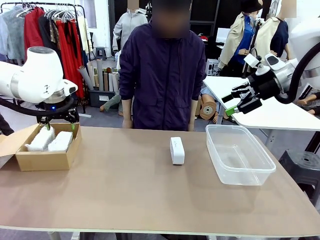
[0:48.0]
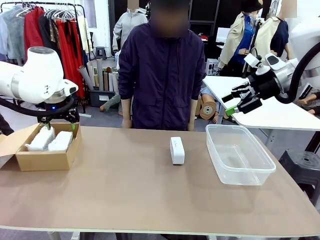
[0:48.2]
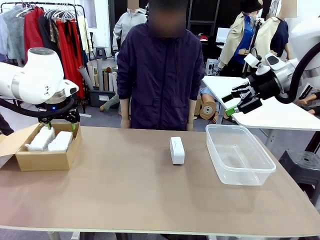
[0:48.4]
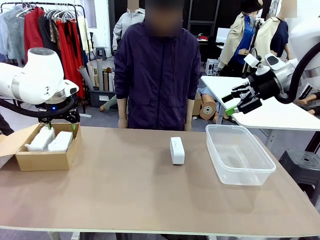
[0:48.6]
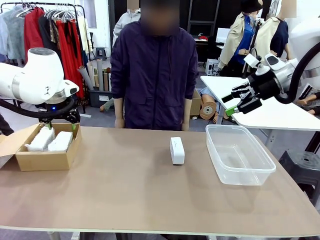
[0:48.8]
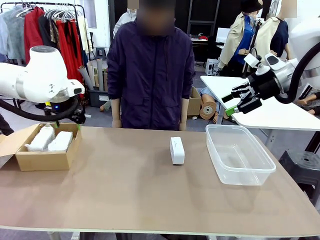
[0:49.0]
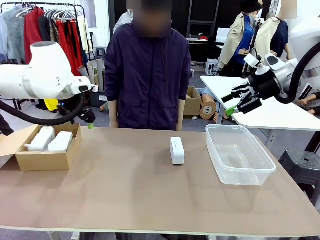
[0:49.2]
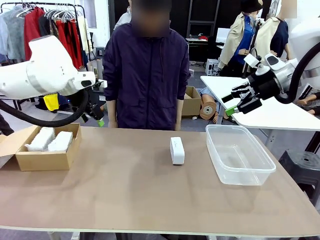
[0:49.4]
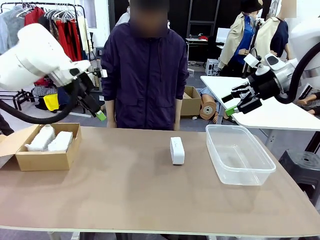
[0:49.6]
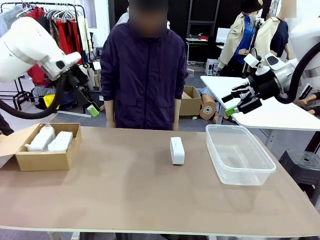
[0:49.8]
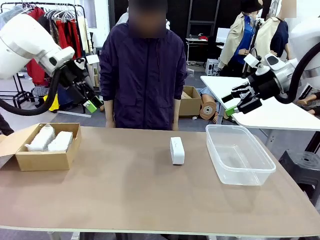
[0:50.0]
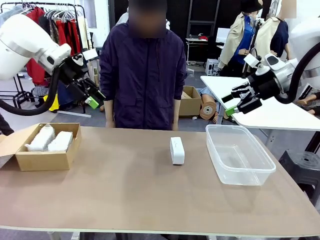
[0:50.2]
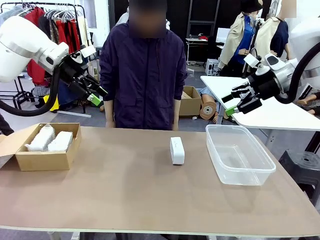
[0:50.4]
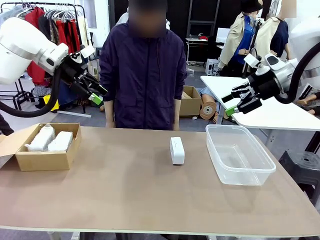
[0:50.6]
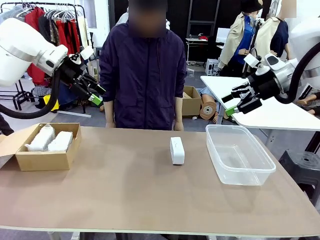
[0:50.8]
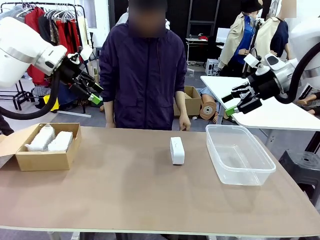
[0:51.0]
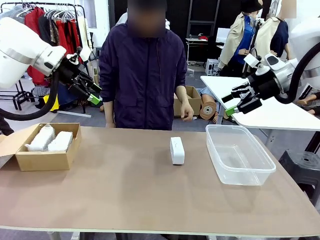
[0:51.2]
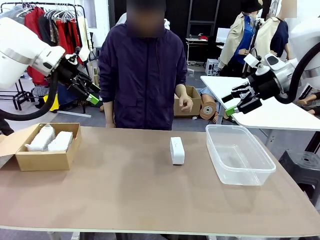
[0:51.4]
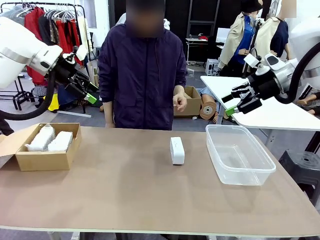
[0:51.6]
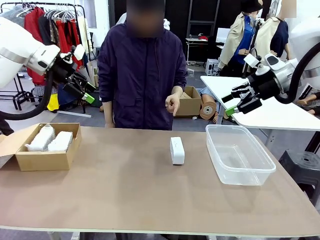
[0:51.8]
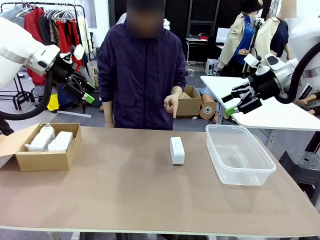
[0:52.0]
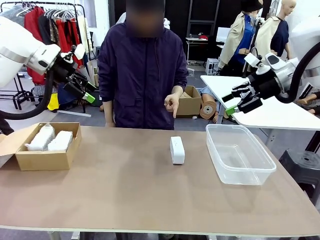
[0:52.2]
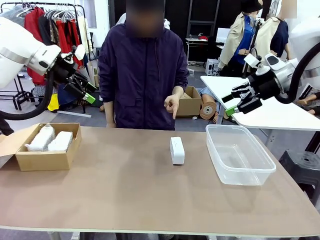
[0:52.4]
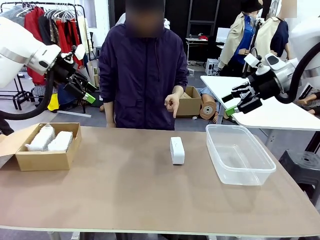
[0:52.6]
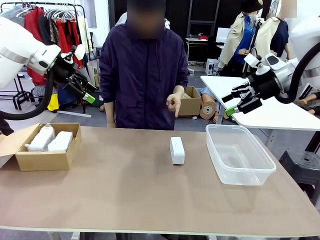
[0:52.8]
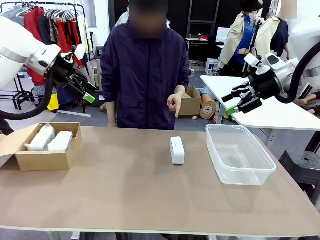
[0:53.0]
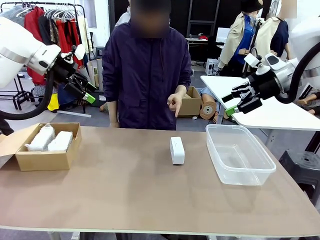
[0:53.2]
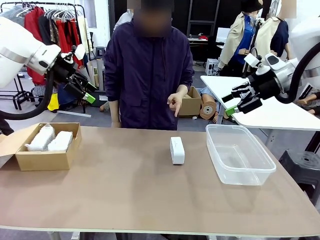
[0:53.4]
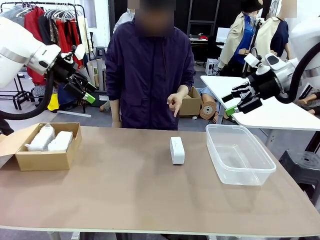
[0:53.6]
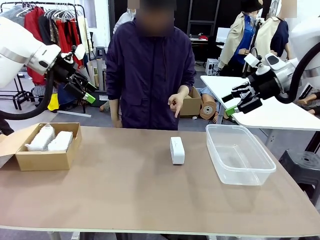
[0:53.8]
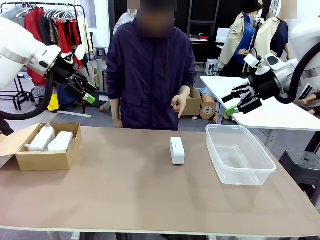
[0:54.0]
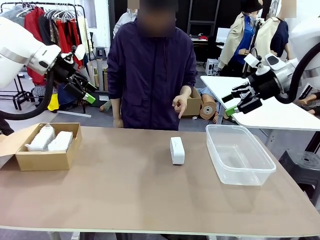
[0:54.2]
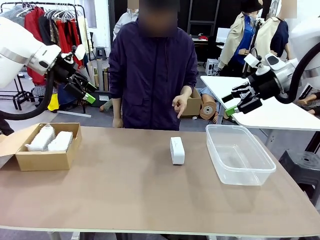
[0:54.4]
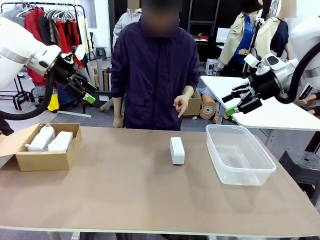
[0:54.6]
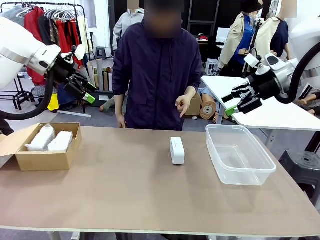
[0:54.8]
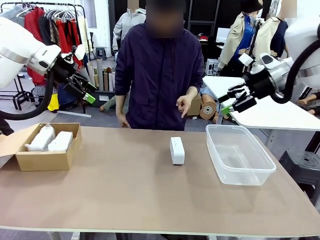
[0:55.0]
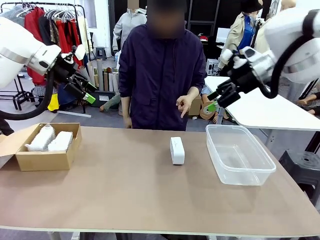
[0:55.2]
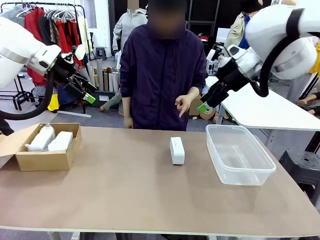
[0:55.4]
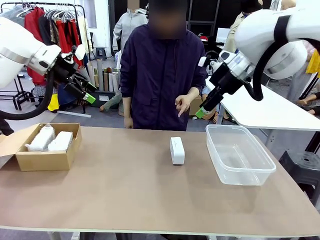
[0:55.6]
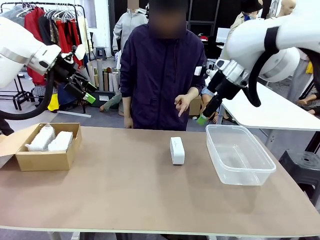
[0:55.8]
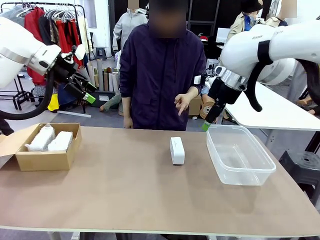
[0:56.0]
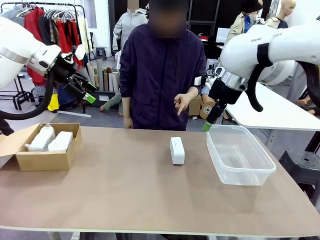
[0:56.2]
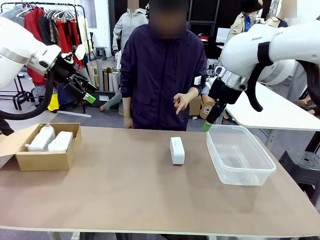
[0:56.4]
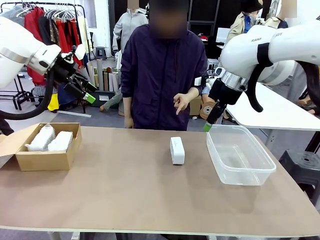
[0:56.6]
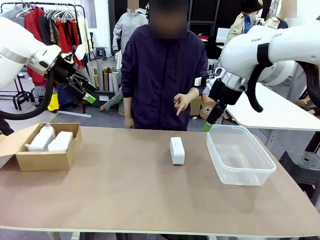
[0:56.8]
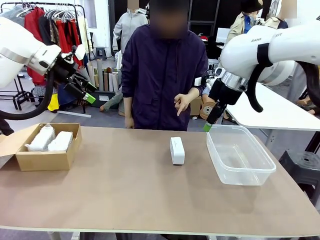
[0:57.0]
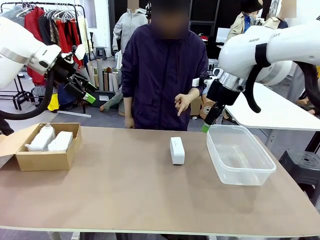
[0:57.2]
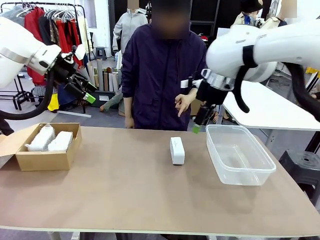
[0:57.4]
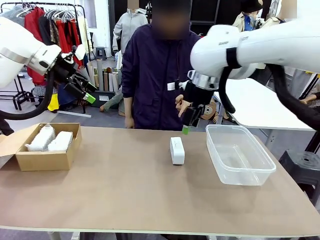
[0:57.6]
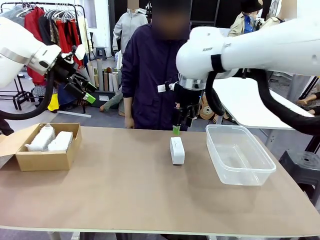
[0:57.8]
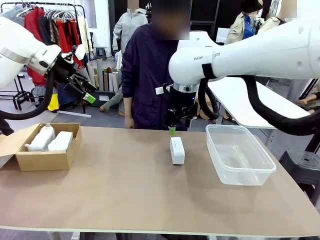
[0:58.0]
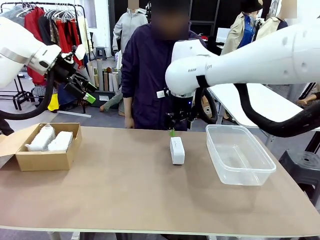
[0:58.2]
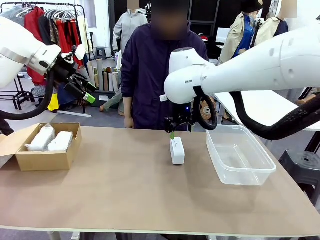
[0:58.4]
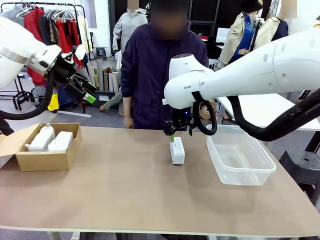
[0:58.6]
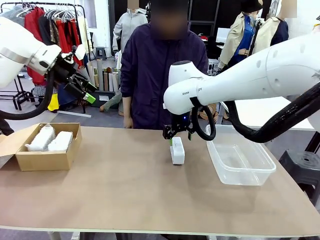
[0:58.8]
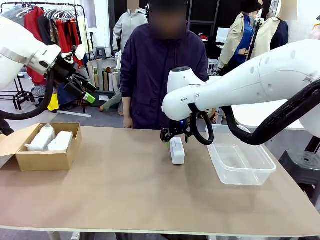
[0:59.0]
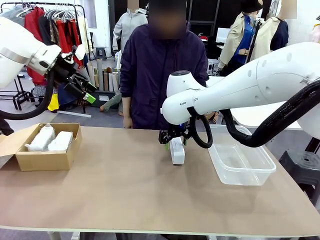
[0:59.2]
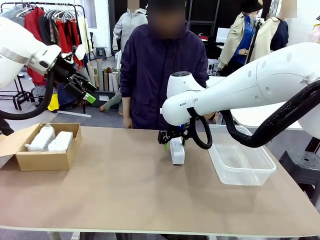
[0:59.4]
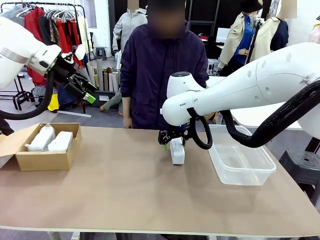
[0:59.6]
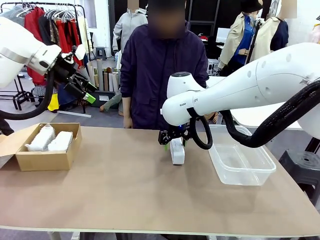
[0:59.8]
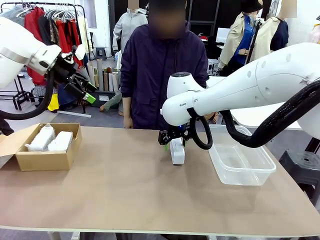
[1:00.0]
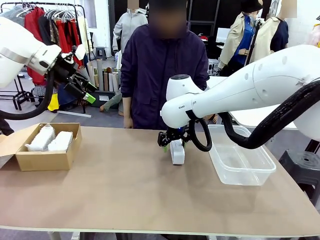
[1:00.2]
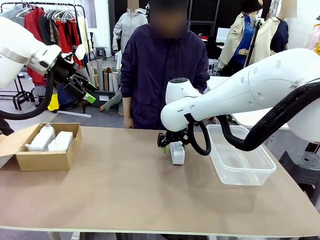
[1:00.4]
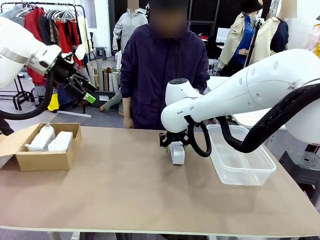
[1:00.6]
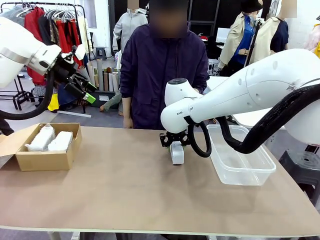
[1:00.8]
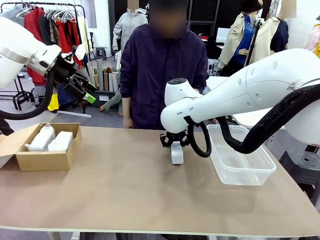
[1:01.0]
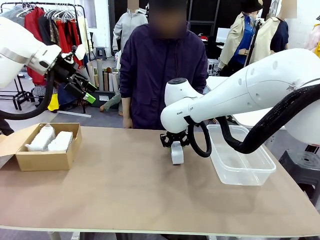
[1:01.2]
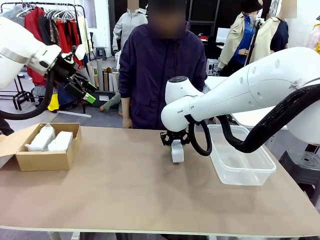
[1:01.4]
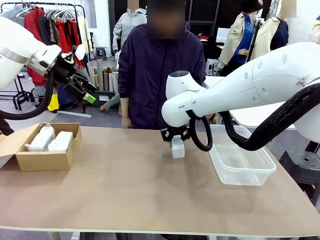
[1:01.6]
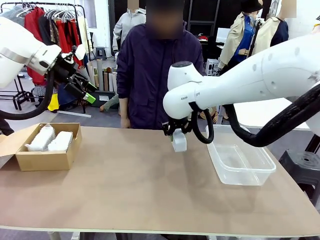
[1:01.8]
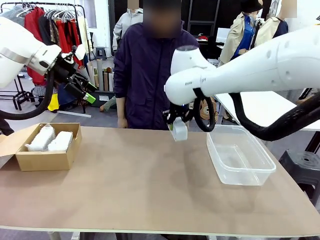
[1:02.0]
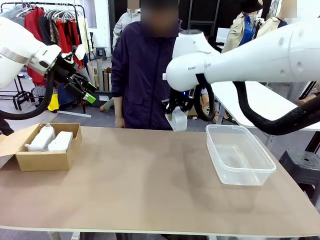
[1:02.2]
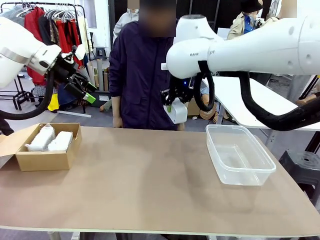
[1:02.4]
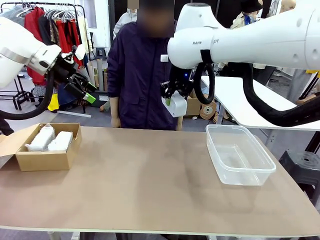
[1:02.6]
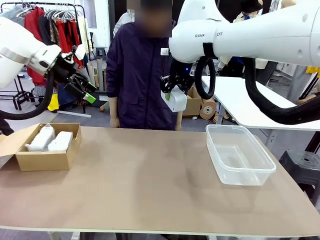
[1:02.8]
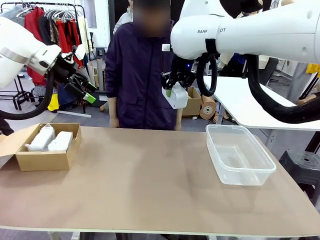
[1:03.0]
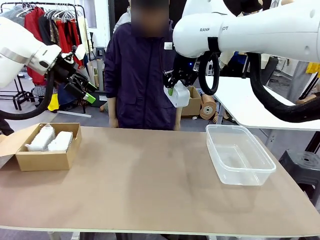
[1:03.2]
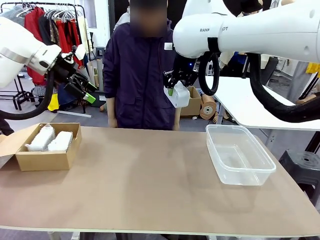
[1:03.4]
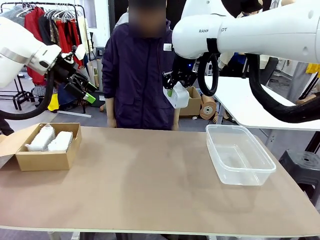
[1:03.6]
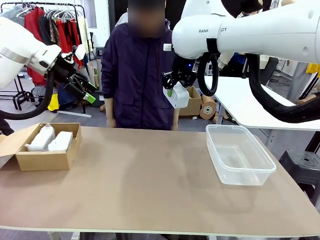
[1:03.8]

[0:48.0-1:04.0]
Task: Separate and place wrapped and unwrapped clocks.
Robot: Pick up the Digital clock indicated by the person.
